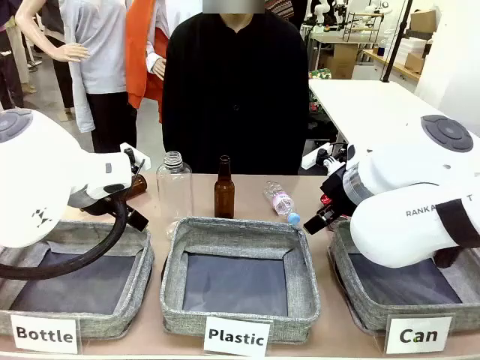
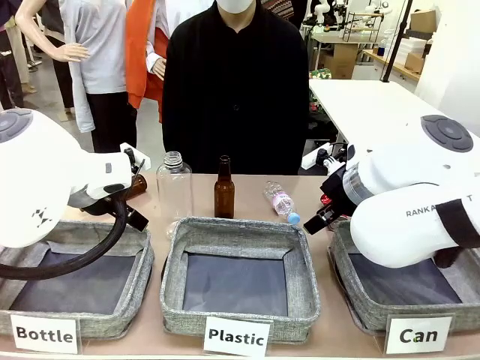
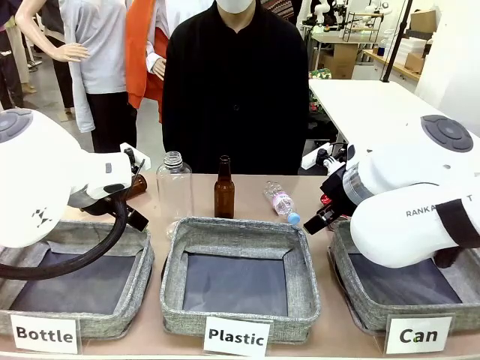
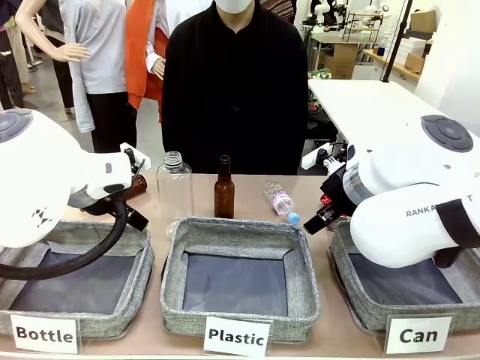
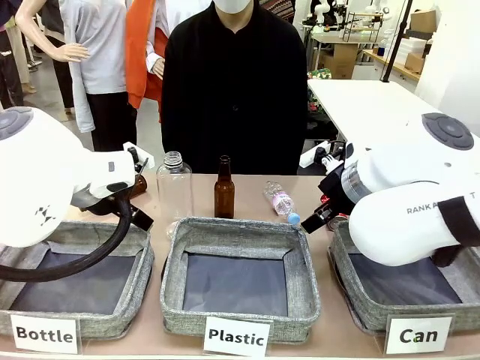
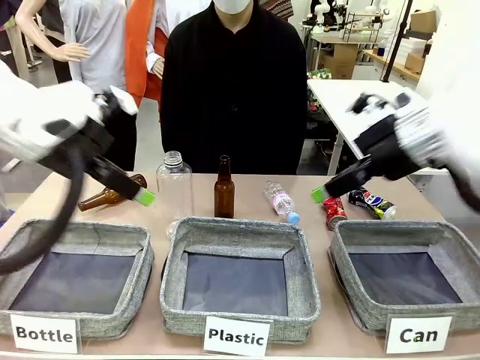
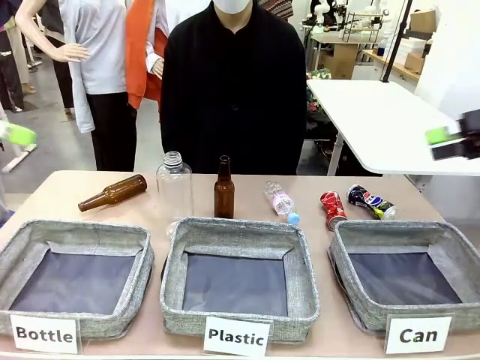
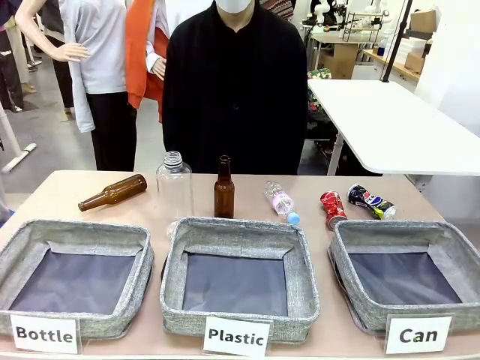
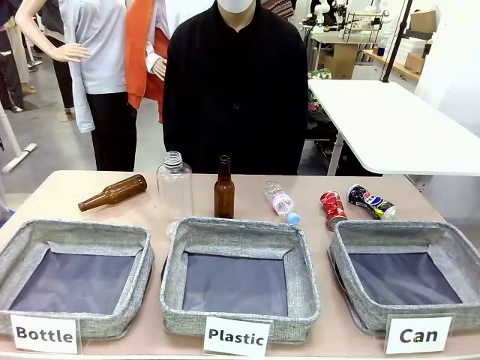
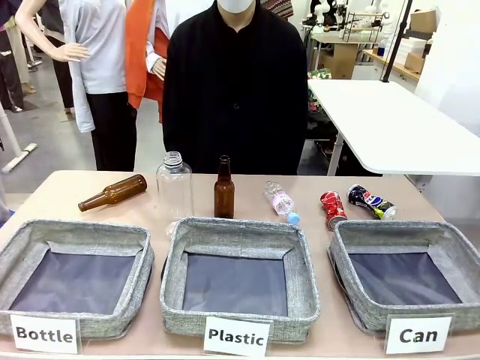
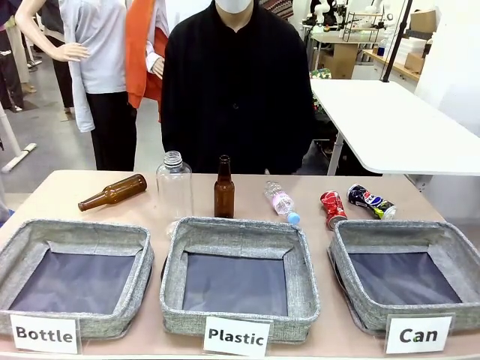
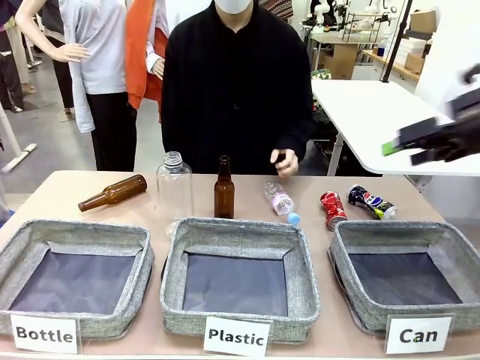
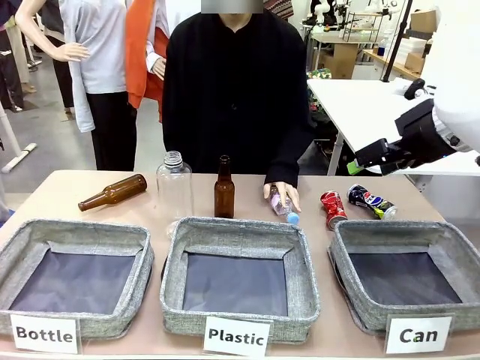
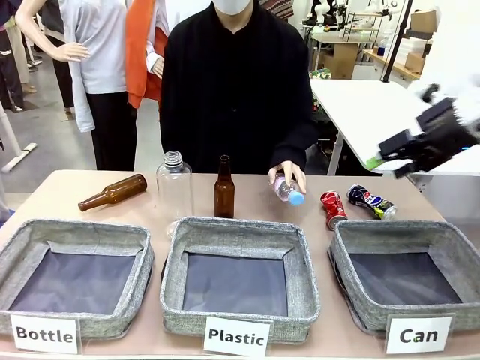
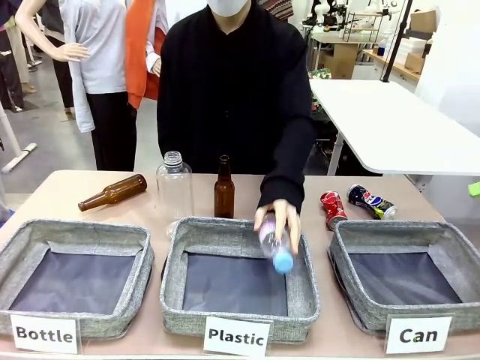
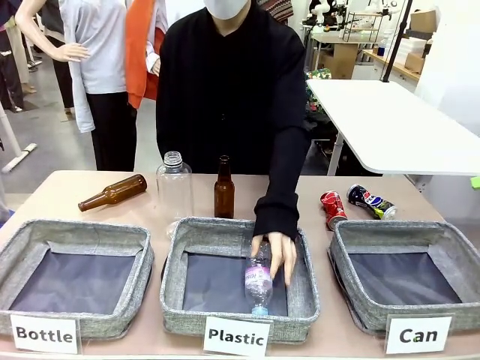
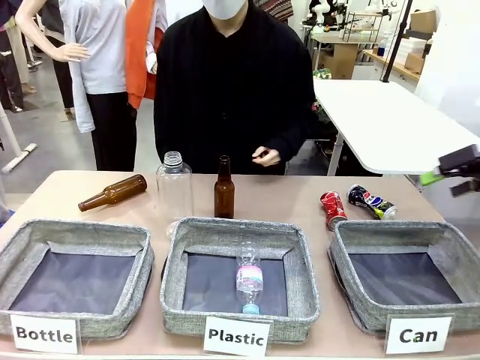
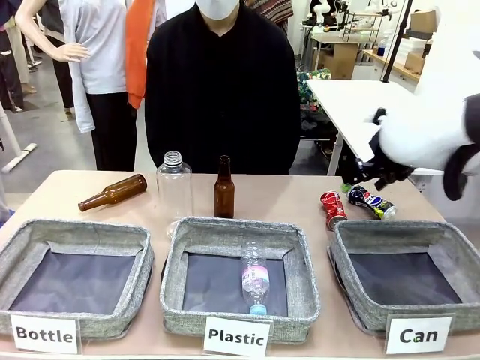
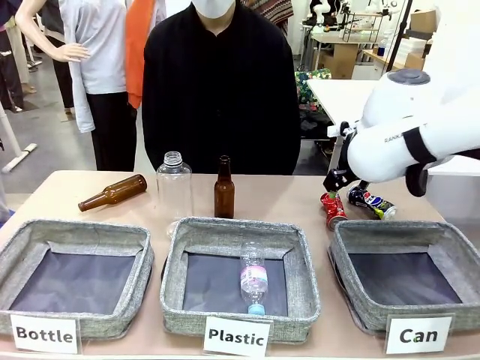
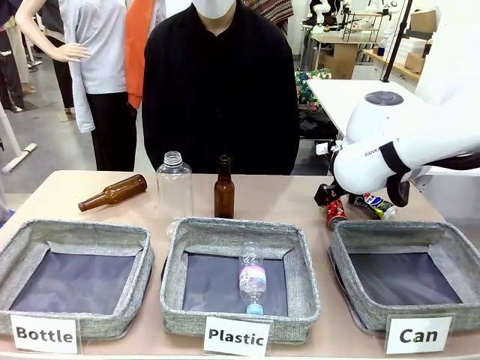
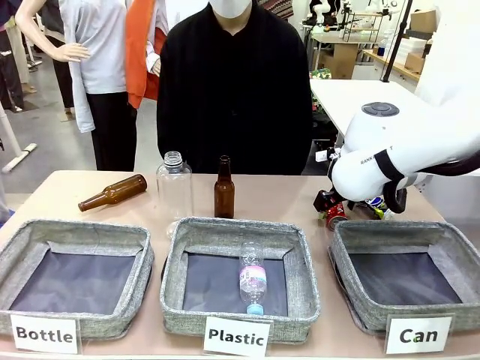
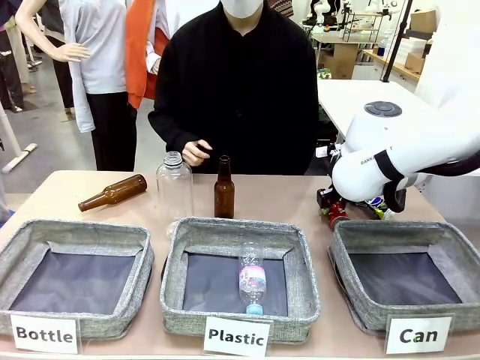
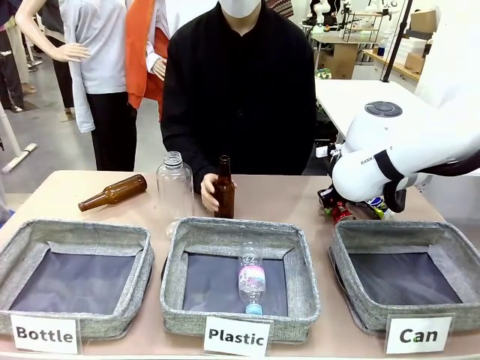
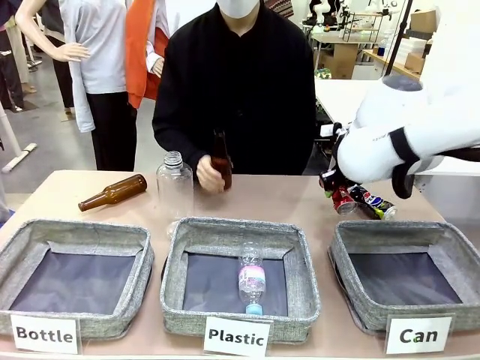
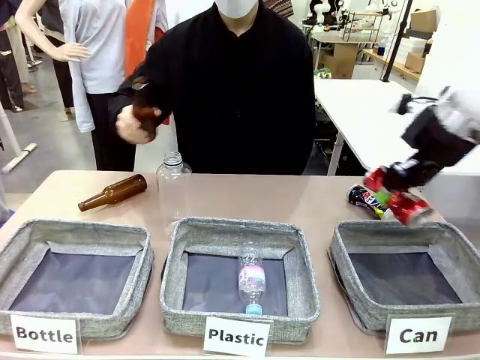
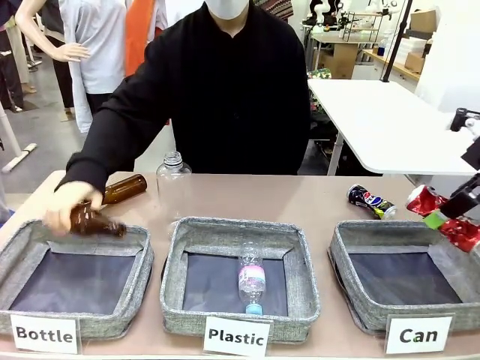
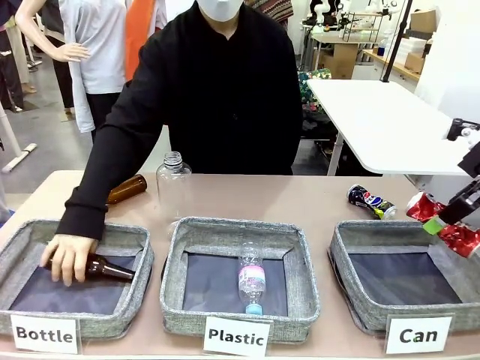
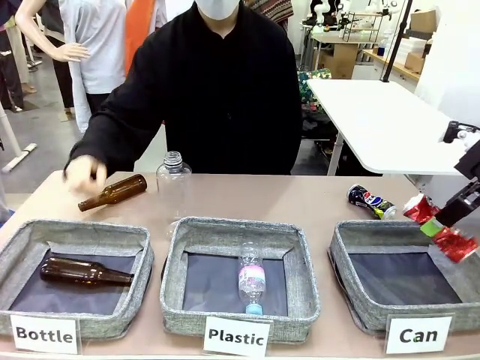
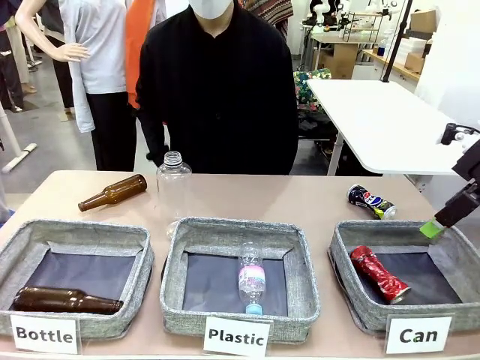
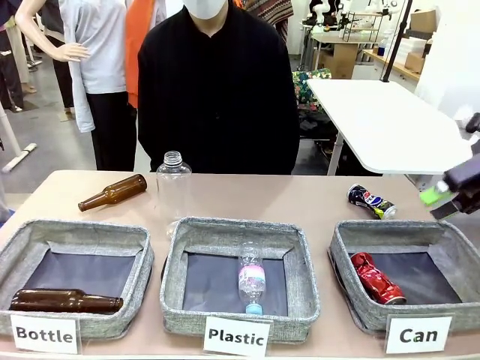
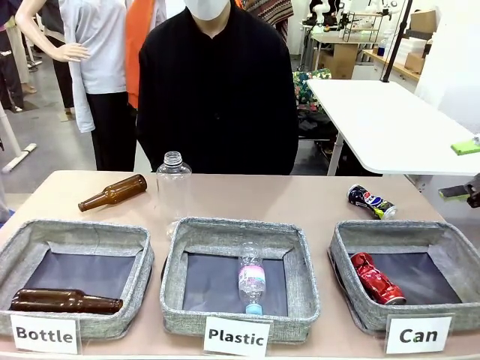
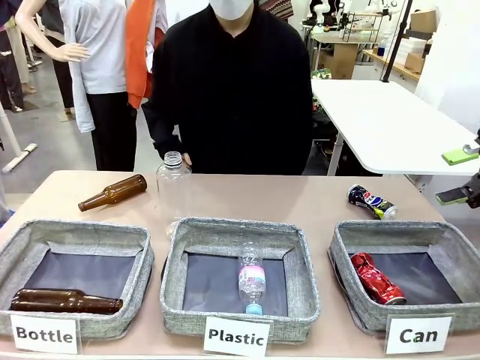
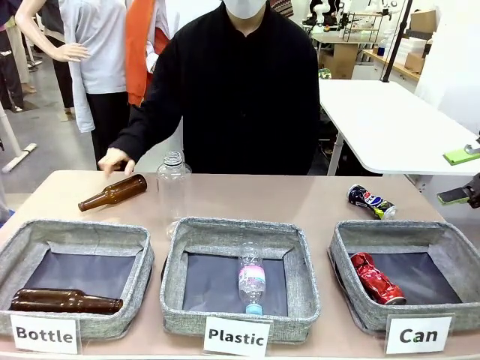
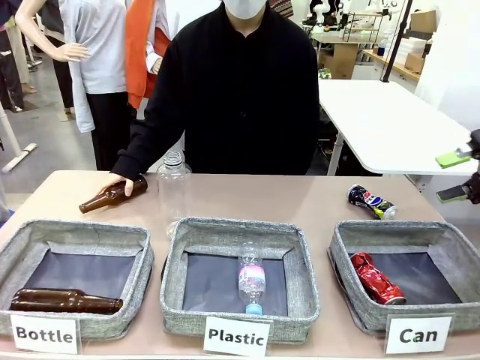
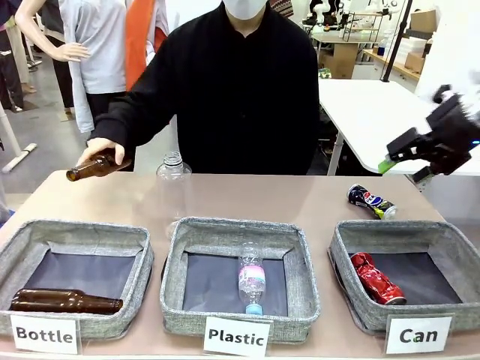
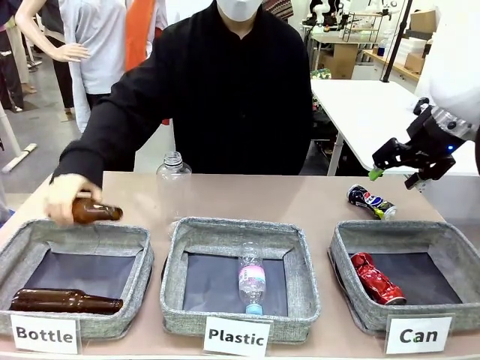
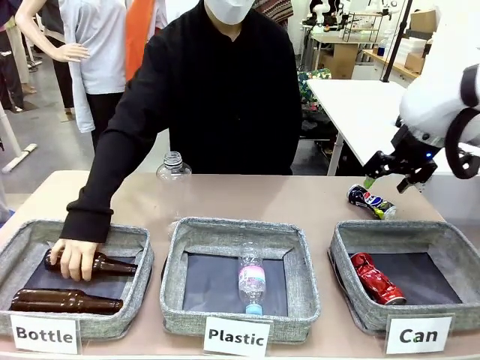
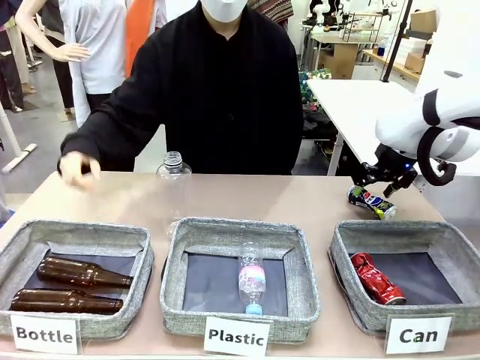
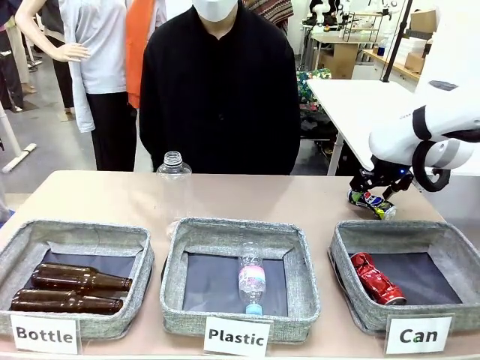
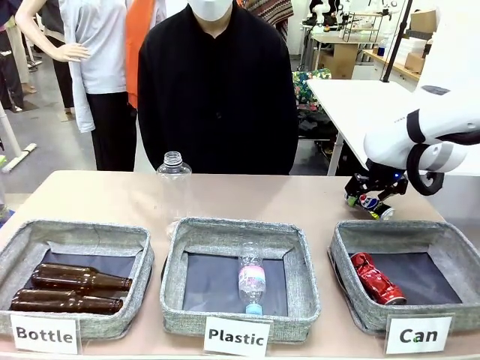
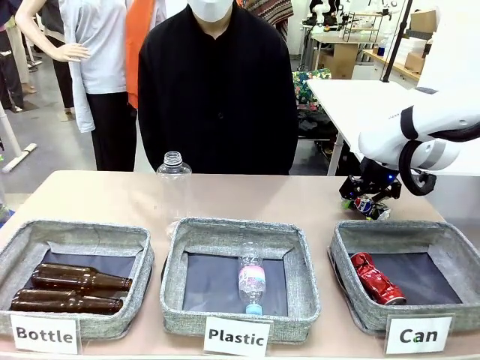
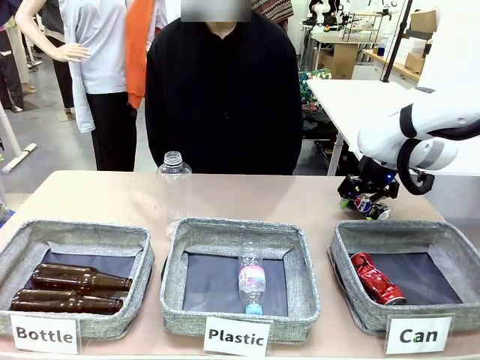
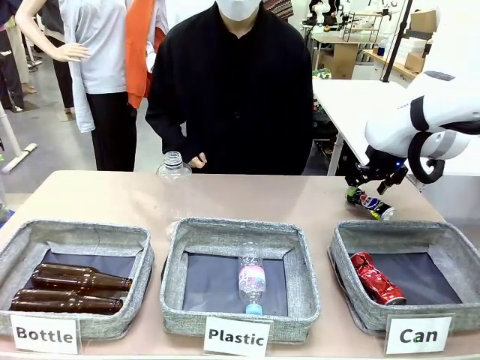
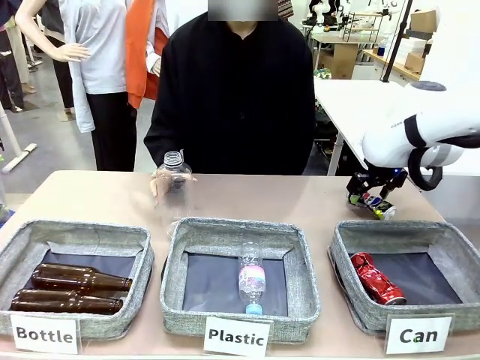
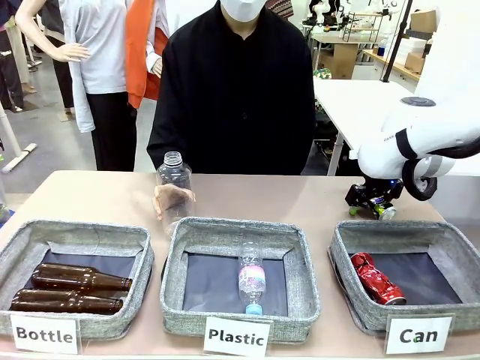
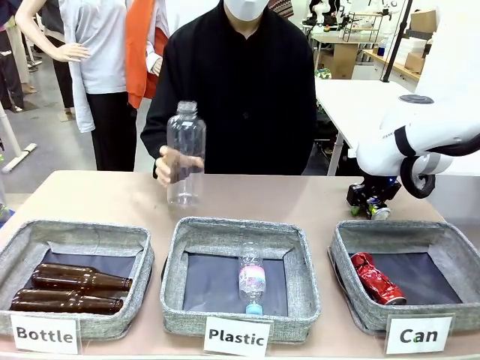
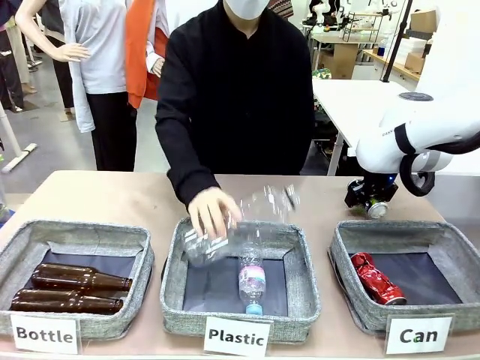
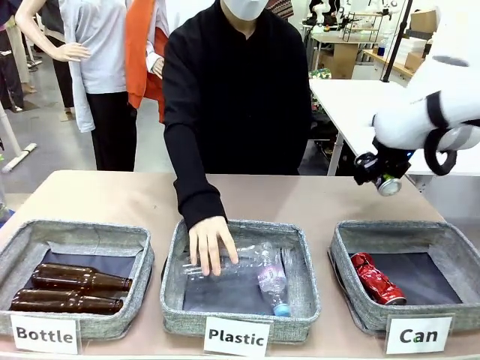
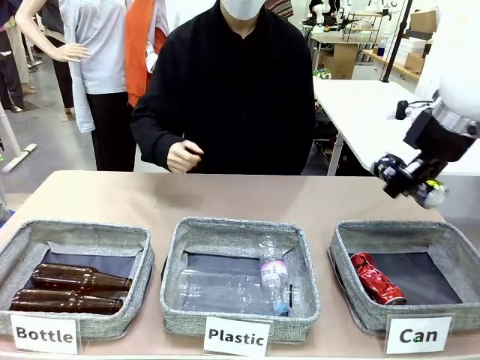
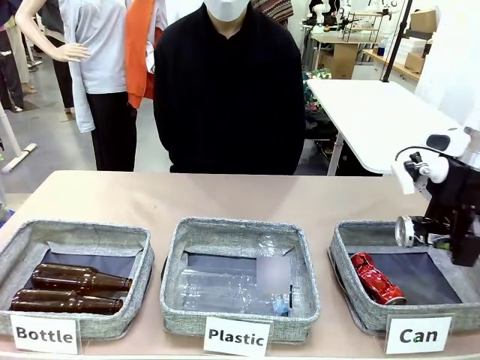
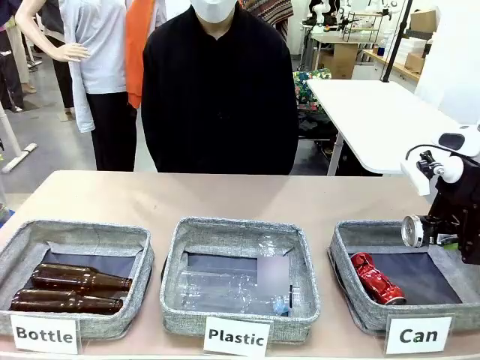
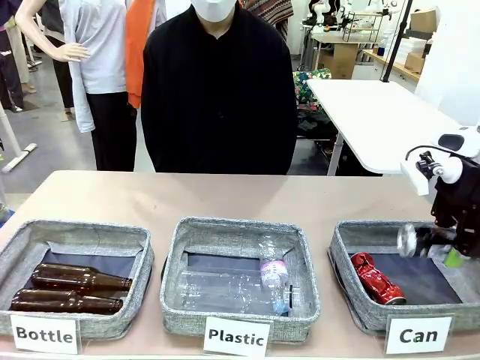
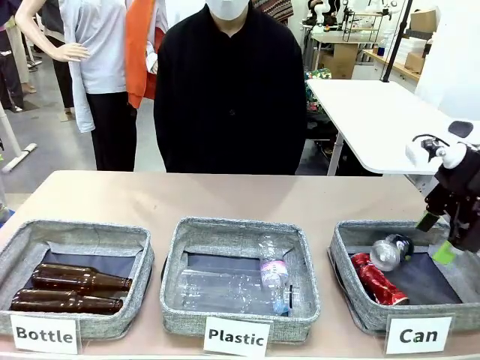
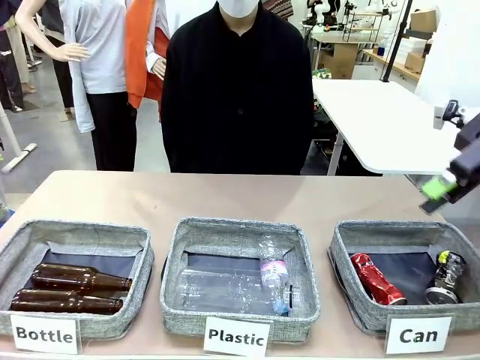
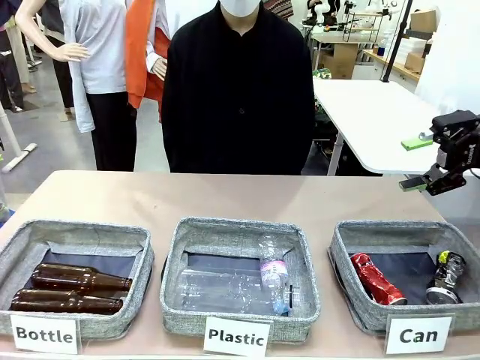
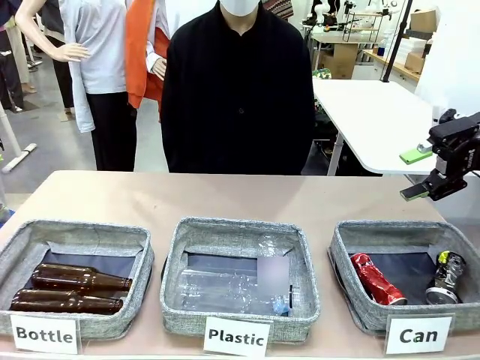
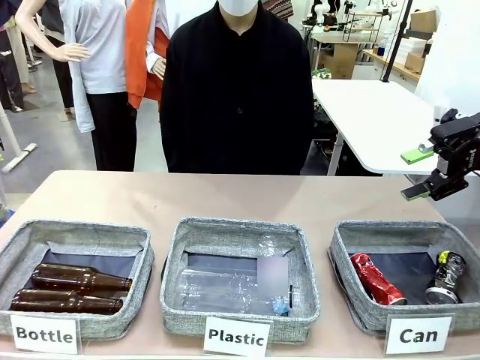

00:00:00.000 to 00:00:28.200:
Task: Sort the can waste into the basket.
Robot: Pick up the can waste from the table and place it in the right Fabric basket.
Person: The human picks up one piece of trash that is not a can and places the trash into the appropriate organizing basket.
